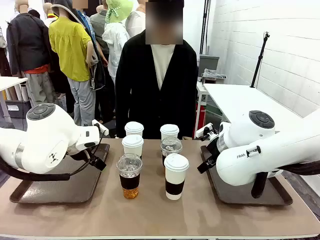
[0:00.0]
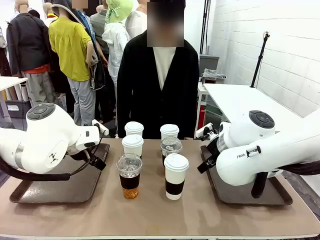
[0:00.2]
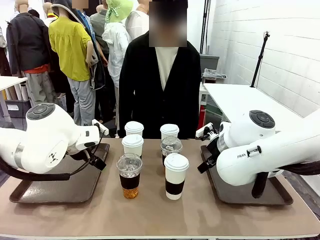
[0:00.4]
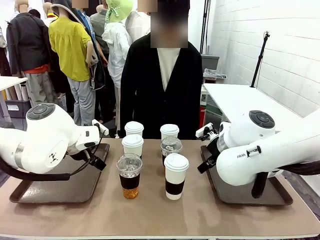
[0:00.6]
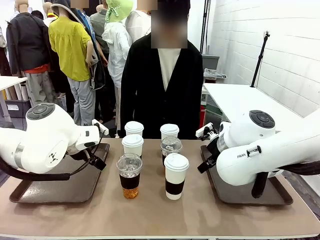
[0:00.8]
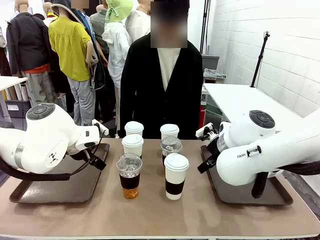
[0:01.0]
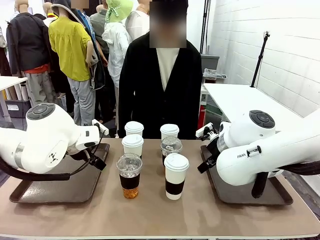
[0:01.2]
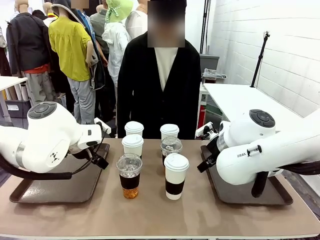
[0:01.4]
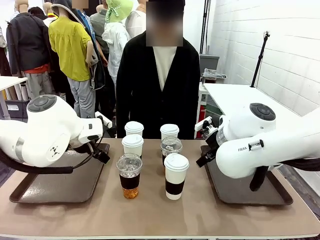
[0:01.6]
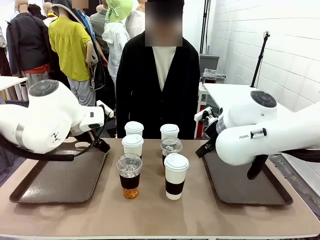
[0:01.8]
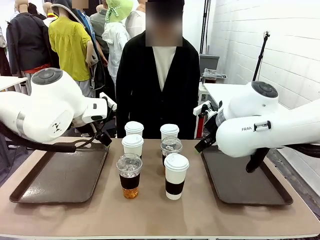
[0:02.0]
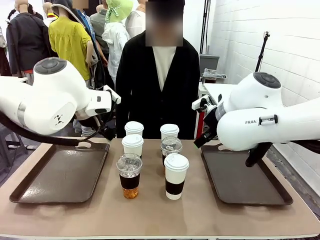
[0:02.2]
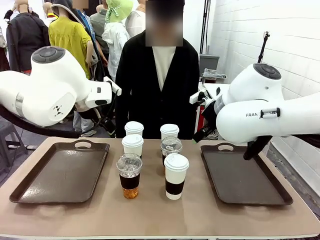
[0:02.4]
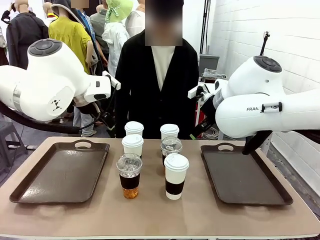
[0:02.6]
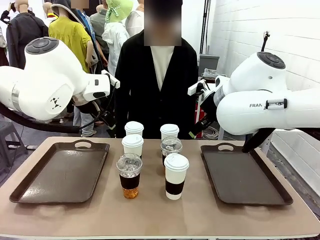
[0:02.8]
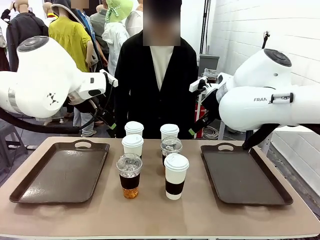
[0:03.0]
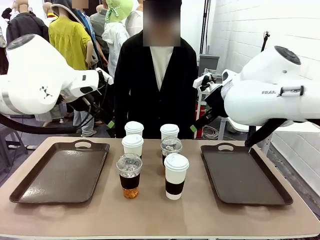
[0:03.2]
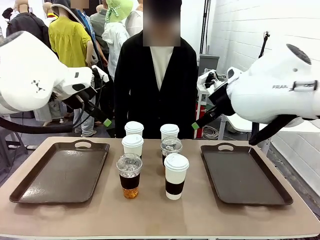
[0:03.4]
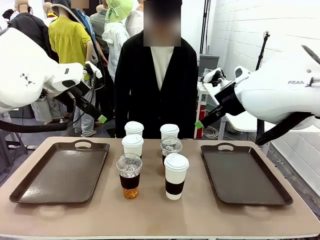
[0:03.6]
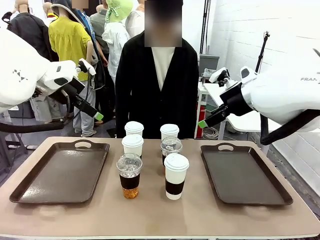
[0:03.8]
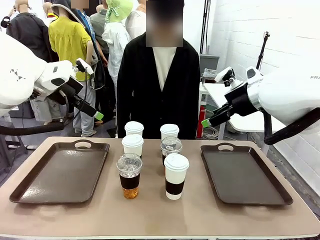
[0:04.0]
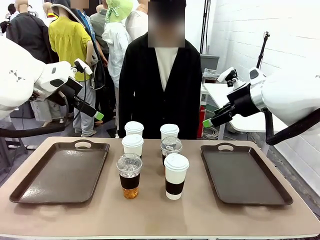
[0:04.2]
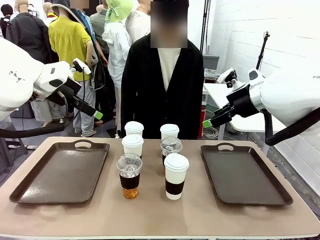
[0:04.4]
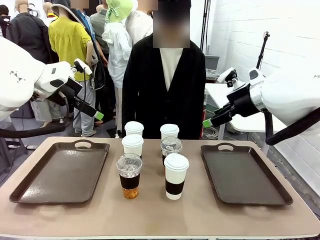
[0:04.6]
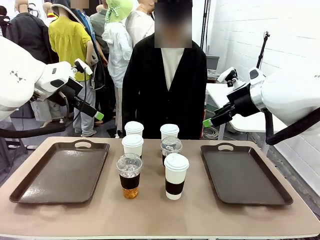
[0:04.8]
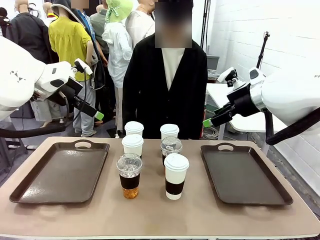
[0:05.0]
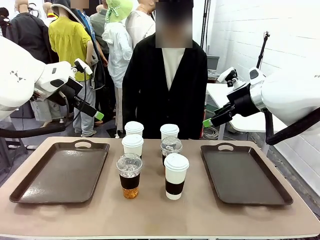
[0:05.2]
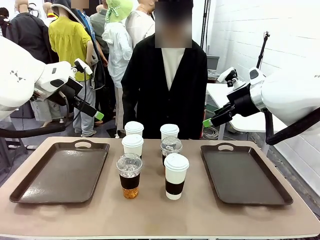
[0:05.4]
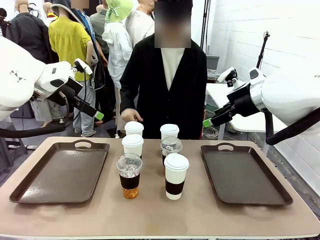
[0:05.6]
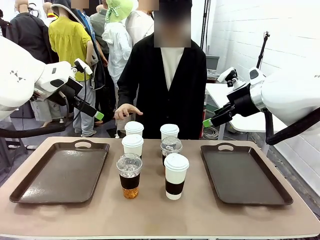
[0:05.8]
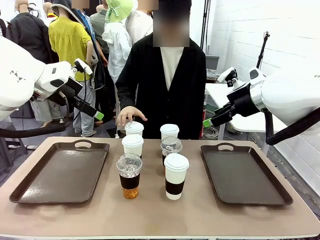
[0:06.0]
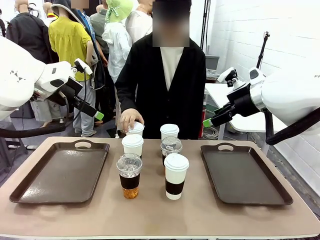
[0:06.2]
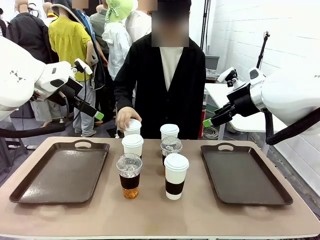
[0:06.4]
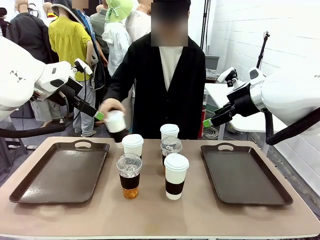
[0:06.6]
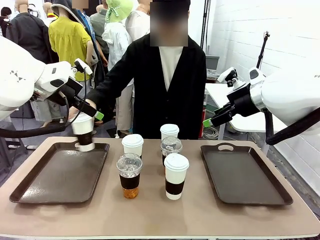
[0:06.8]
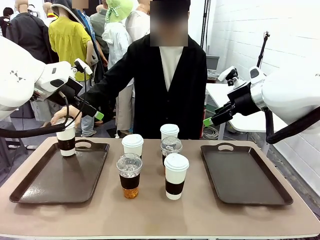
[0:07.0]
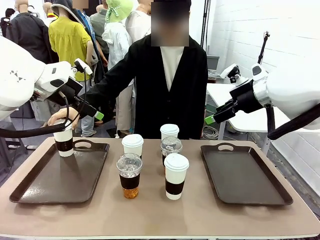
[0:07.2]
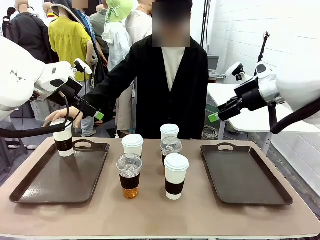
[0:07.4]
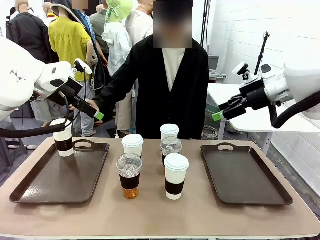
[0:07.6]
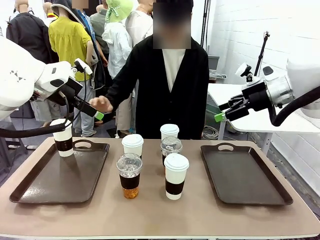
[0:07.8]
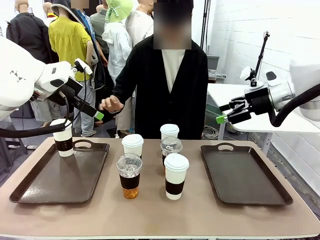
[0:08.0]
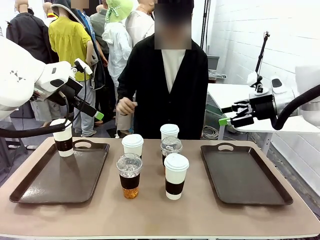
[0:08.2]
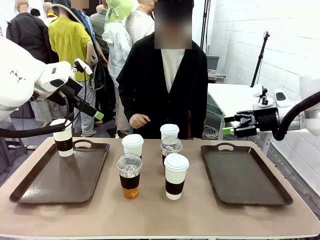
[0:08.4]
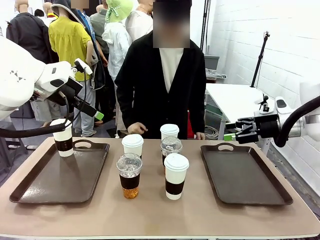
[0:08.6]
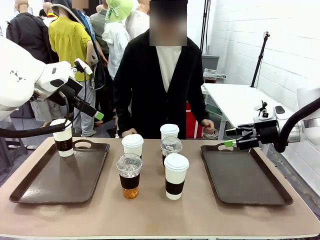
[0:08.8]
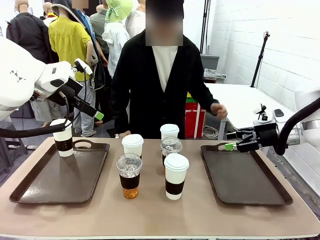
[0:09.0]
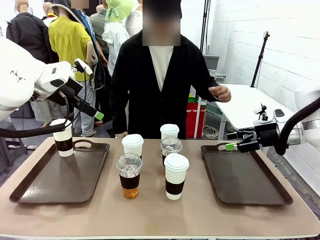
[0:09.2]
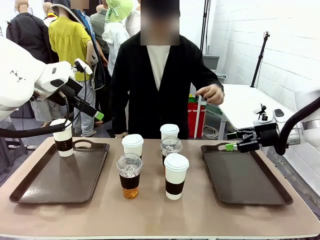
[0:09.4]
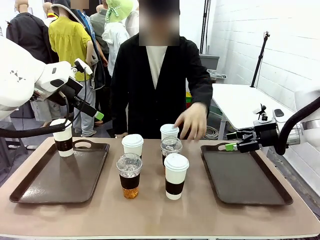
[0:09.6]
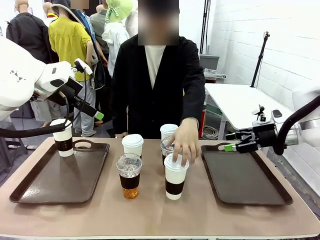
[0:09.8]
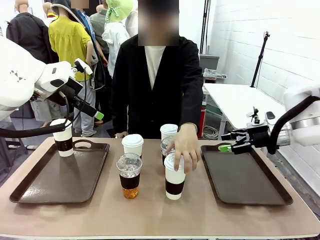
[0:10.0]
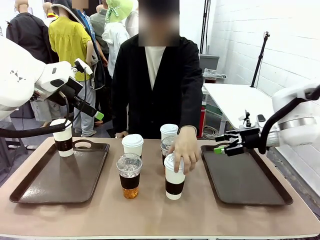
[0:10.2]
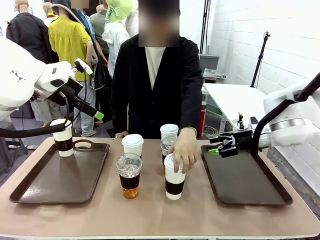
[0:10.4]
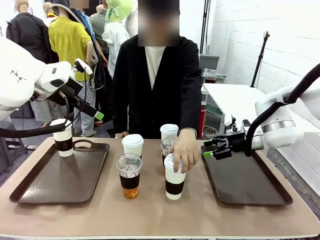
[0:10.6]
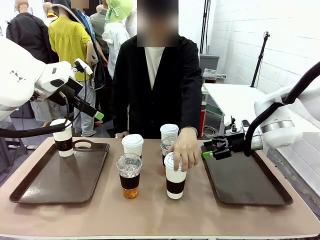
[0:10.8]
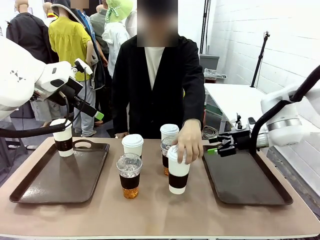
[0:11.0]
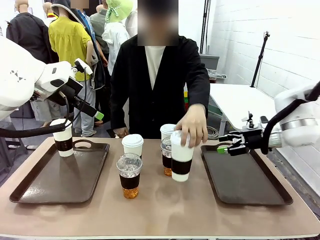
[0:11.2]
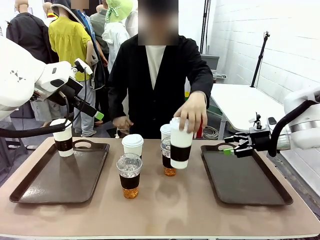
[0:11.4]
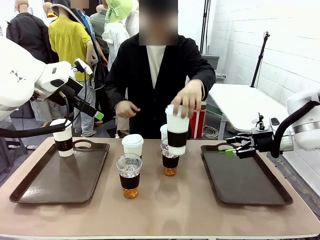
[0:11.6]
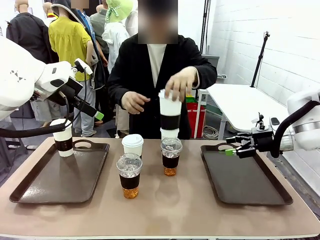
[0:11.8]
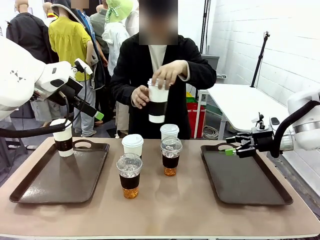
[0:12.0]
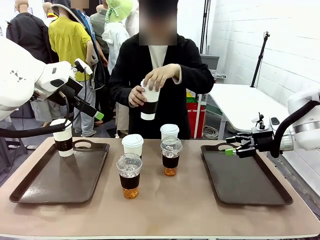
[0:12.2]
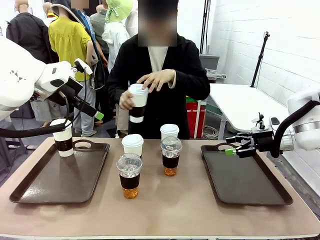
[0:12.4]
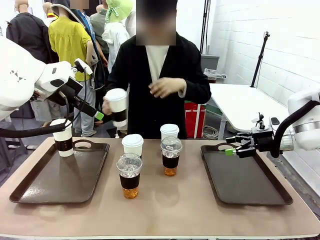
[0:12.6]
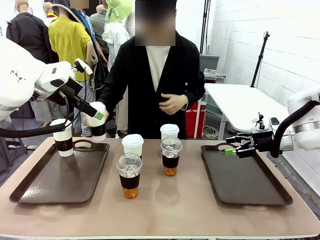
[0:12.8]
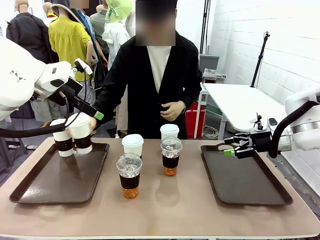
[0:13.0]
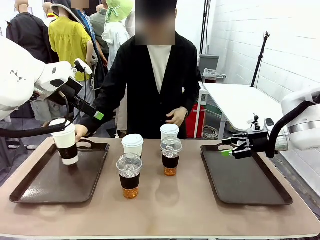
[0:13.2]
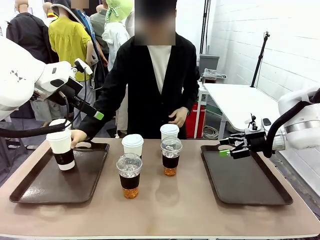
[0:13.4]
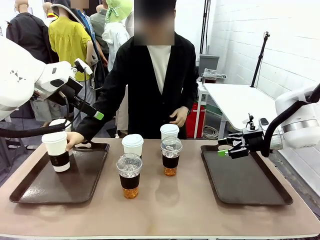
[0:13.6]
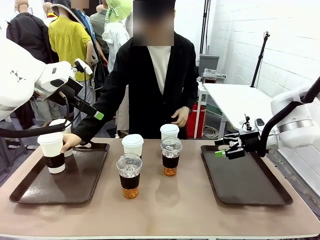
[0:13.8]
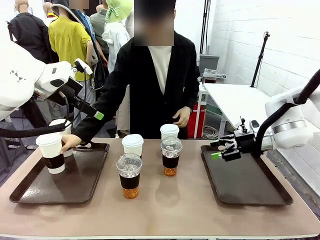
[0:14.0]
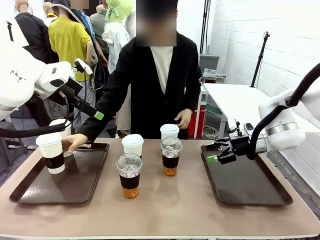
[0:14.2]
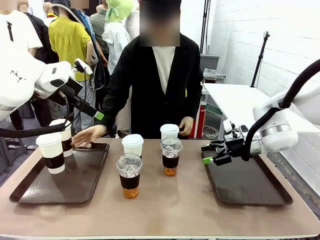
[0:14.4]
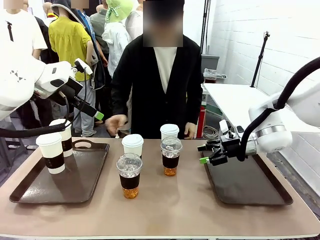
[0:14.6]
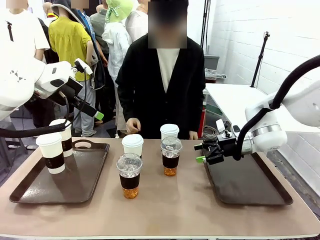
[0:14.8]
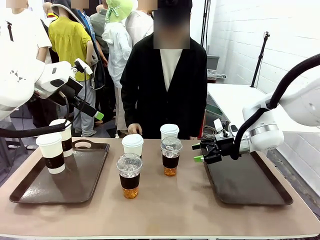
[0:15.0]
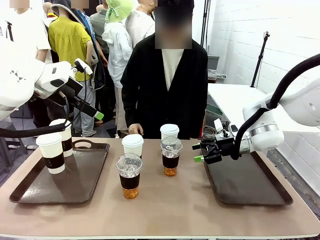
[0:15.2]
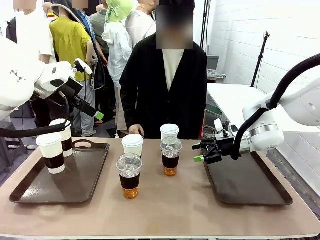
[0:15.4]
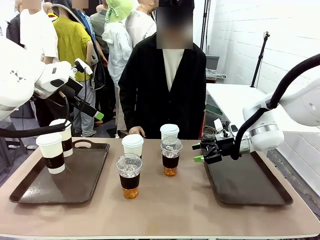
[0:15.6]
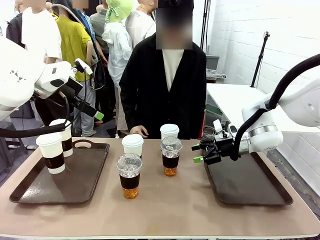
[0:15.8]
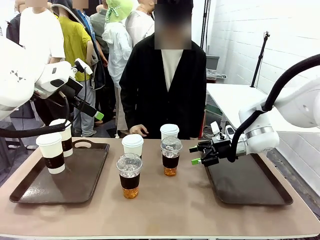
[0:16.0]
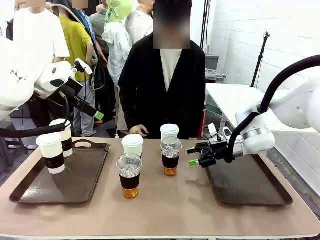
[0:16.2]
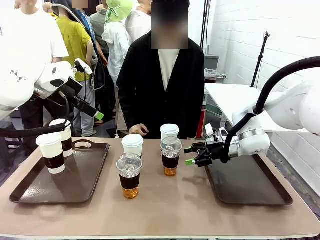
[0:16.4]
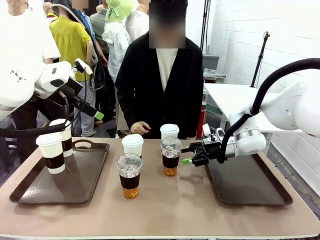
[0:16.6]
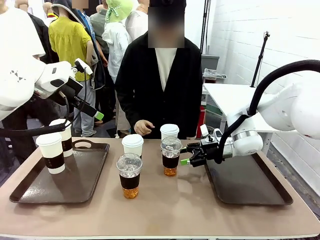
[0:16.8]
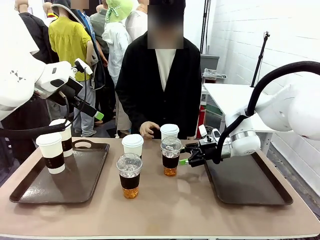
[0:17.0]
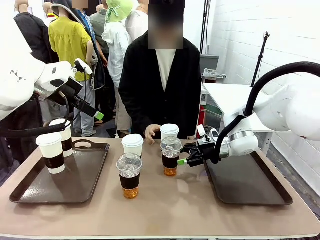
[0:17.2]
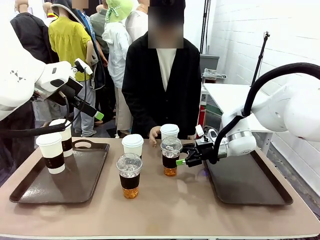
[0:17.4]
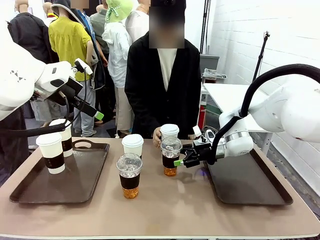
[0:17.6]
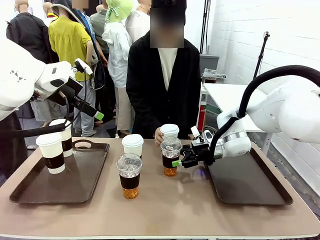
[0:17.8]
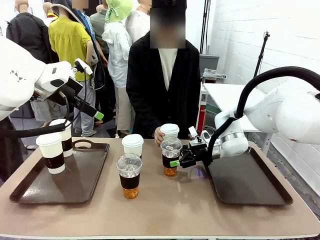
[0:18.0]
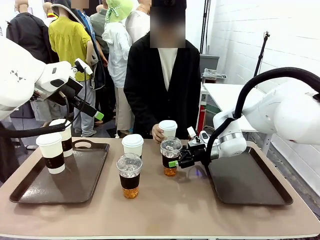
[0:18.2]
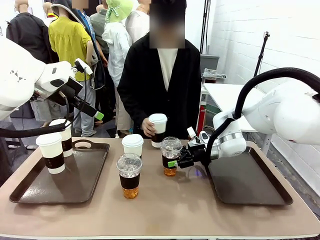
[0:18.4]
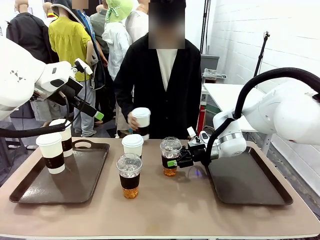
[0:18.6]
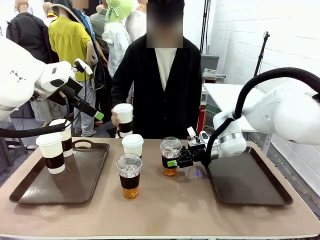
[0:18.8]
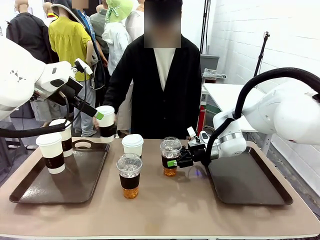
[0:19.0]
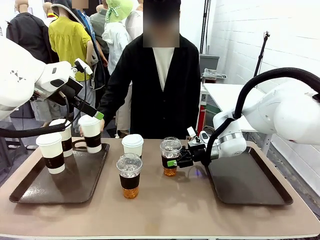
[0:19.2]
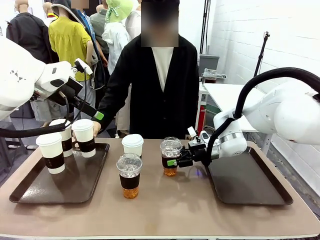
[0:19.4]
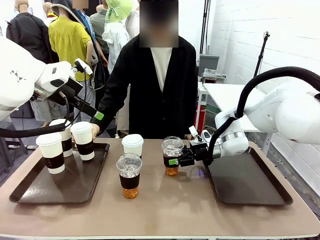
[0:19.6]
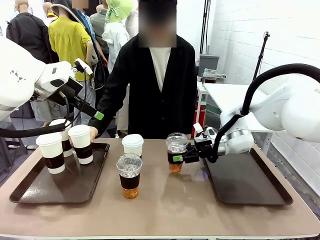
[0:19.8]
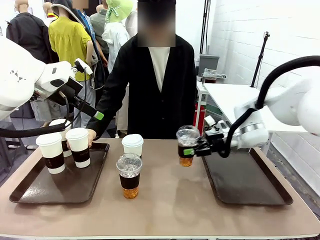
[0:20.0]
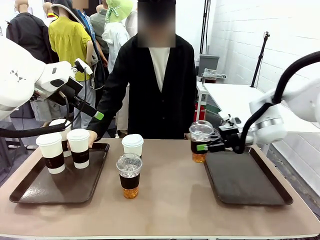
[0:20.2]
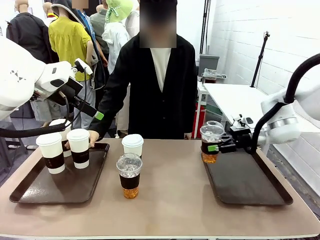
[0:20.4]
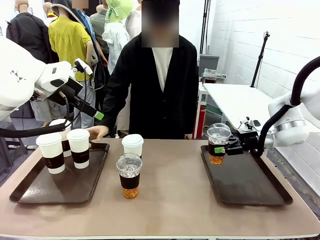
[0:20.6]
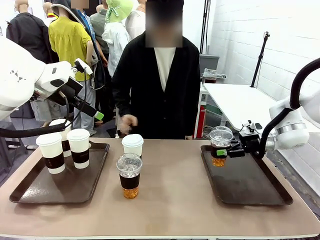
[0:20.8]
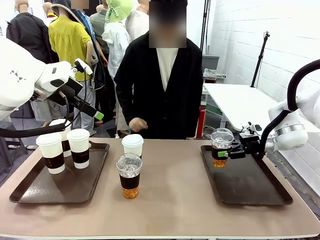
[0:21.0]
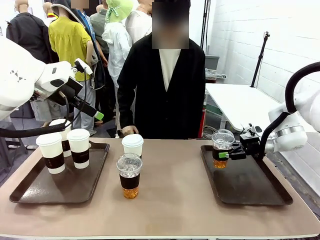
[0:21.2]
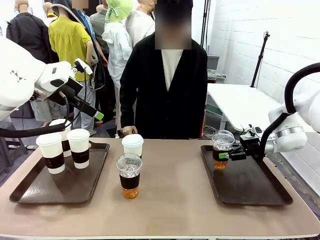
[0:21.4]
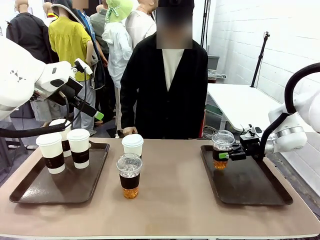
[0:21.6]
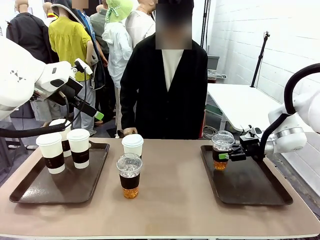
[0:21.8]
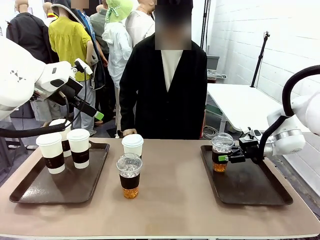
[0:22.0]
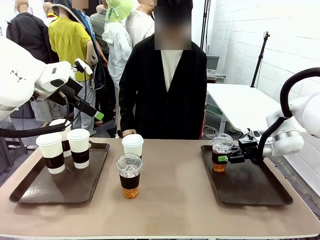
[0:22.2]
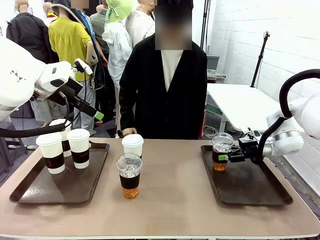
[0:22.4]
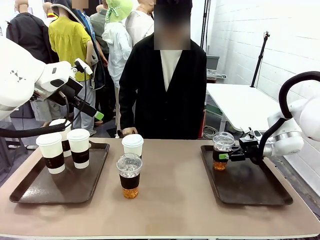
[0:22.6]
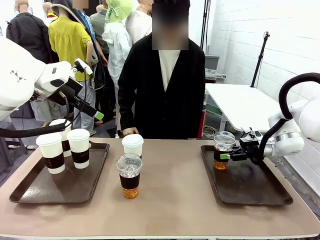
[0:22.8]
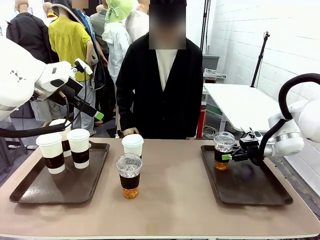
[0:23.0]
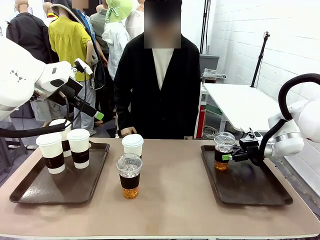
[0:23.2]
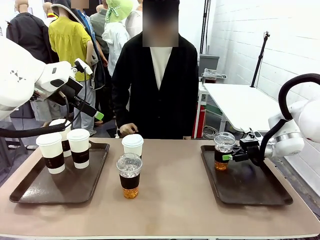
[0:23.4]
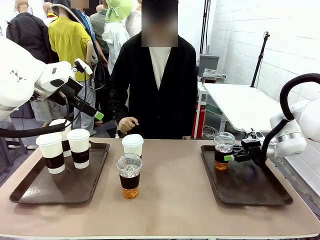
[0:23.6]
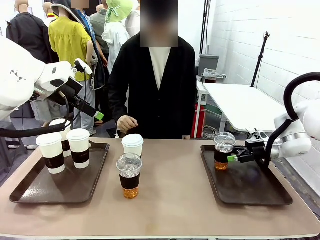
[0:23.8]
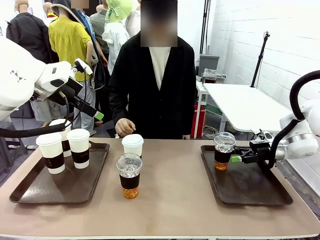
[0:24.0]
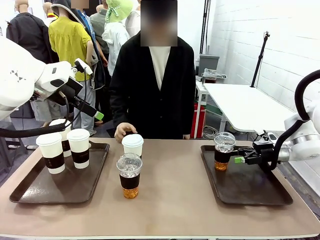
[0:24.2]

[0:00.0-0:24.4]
Task: Distribute the coffee onto the tray.
Robot: Pick up one iced Americano and place it on the right Handle tray.
Person: Pick up a cup of hot Americano and place it on the right tray. Pick up a cup of hot Americano from the middle of the table and place it on the right tray.
